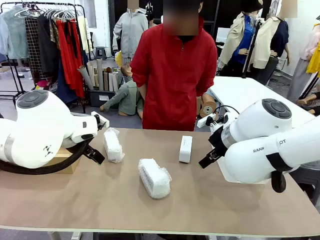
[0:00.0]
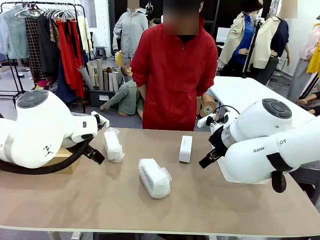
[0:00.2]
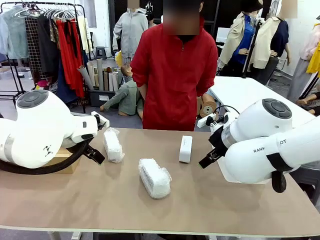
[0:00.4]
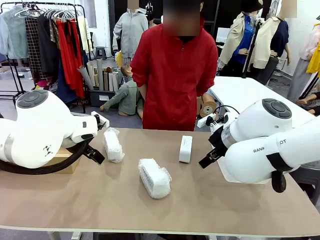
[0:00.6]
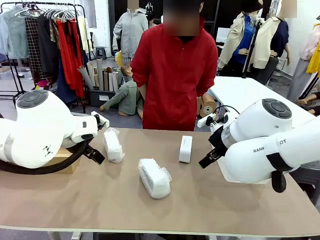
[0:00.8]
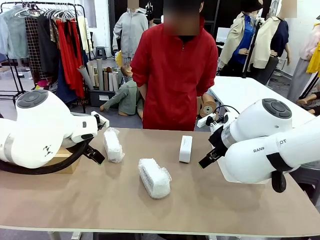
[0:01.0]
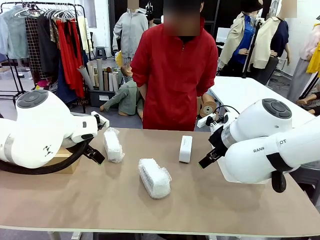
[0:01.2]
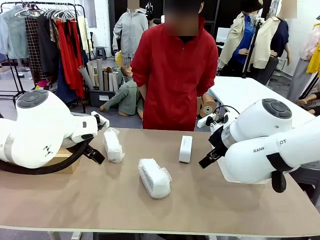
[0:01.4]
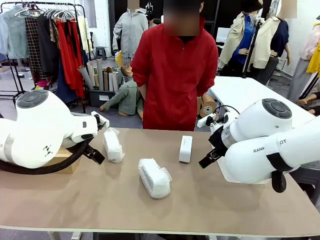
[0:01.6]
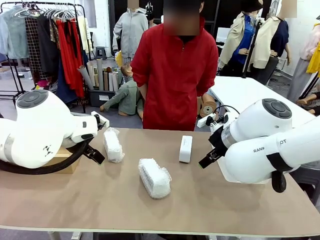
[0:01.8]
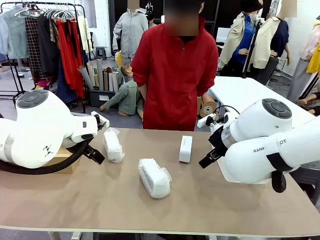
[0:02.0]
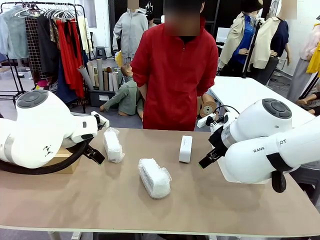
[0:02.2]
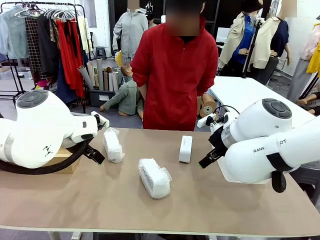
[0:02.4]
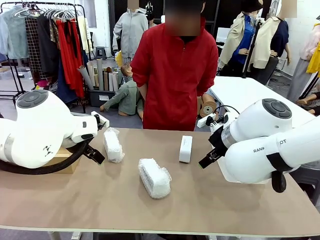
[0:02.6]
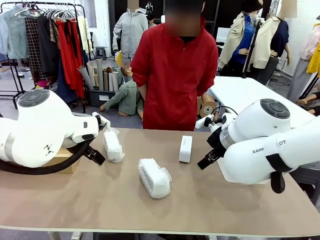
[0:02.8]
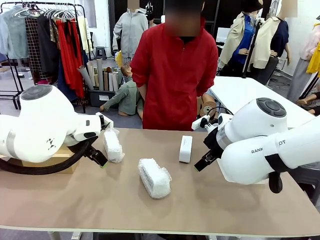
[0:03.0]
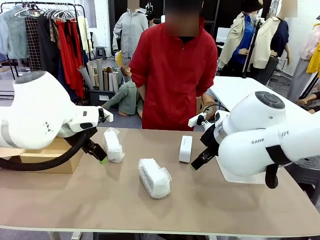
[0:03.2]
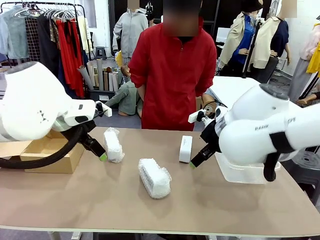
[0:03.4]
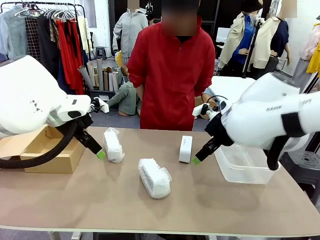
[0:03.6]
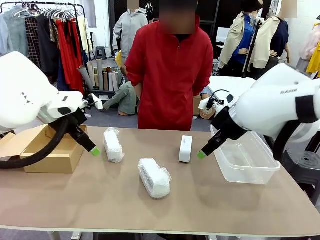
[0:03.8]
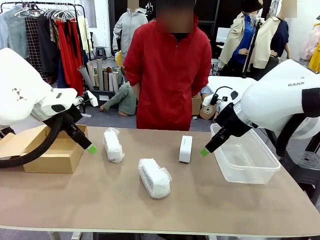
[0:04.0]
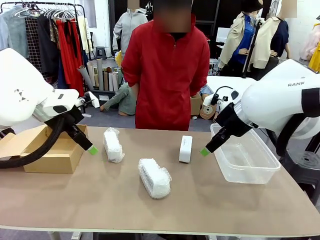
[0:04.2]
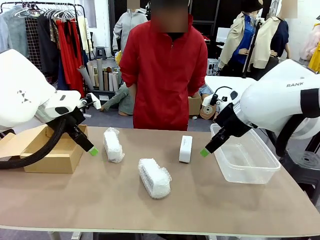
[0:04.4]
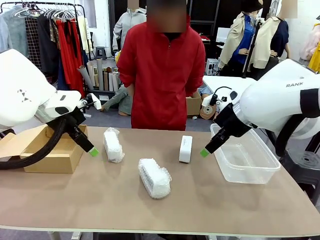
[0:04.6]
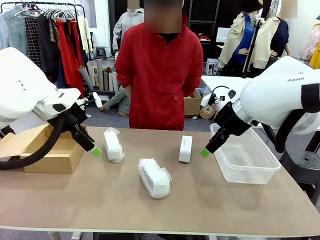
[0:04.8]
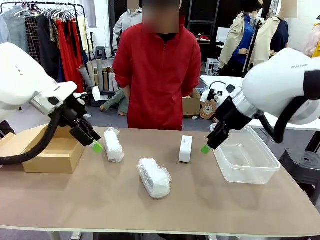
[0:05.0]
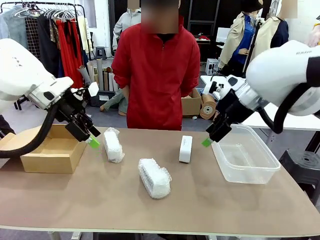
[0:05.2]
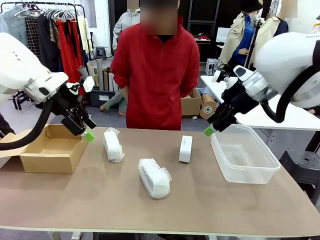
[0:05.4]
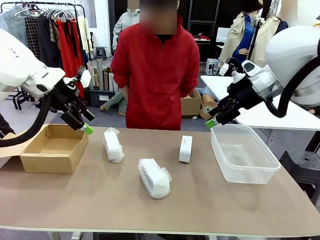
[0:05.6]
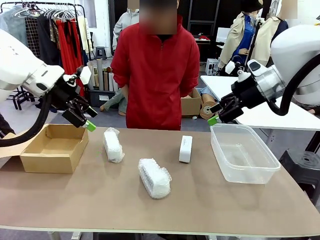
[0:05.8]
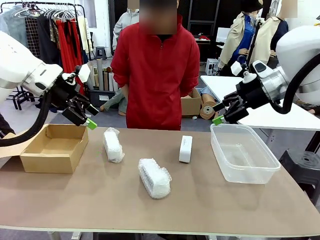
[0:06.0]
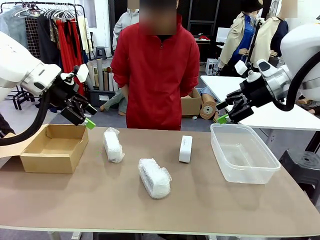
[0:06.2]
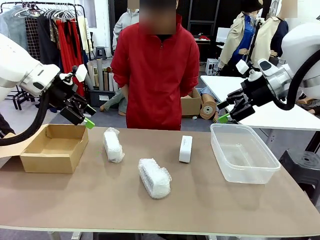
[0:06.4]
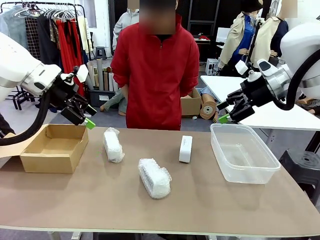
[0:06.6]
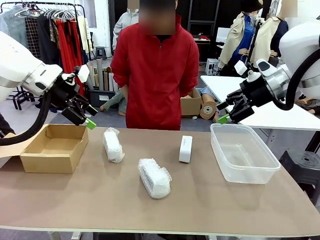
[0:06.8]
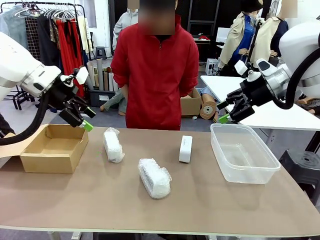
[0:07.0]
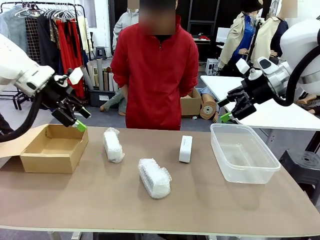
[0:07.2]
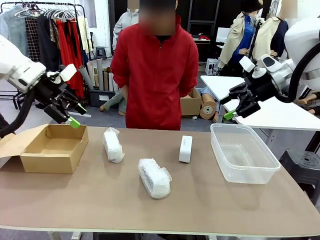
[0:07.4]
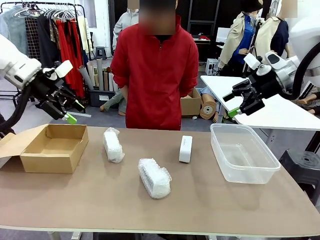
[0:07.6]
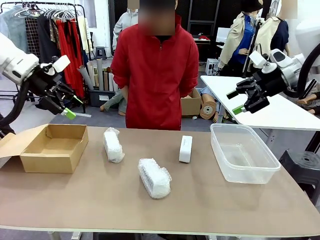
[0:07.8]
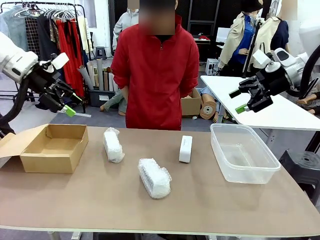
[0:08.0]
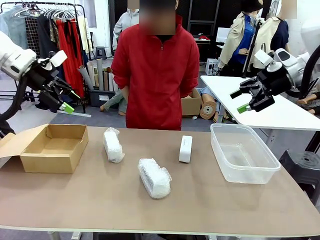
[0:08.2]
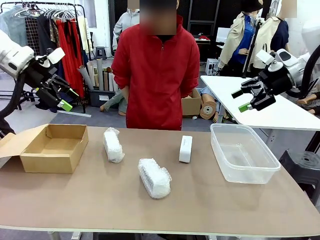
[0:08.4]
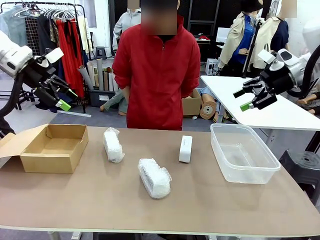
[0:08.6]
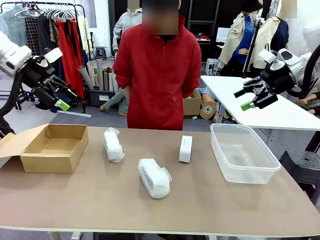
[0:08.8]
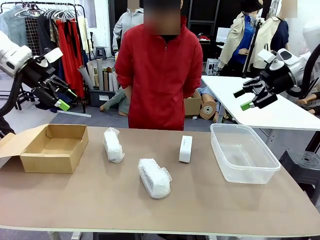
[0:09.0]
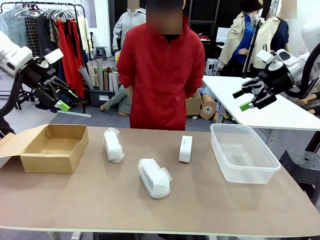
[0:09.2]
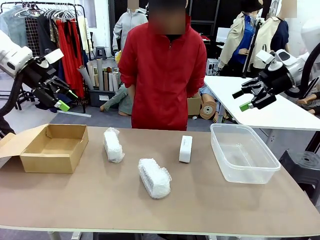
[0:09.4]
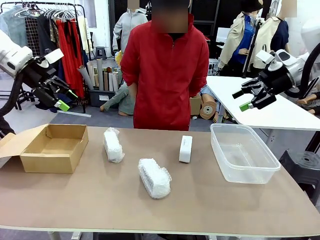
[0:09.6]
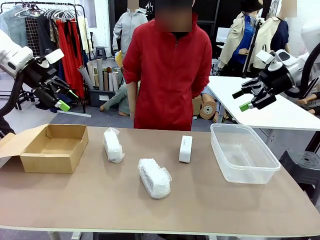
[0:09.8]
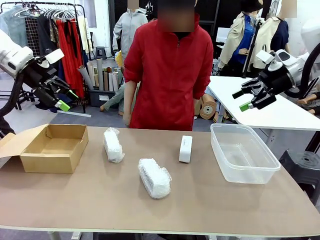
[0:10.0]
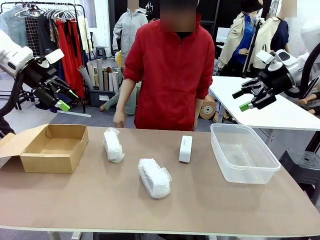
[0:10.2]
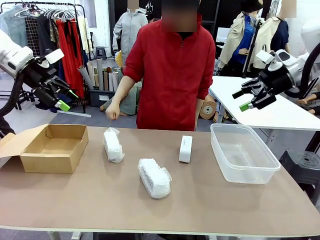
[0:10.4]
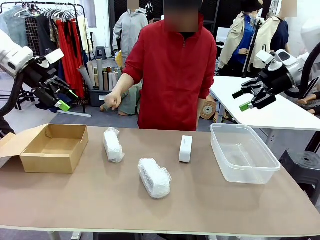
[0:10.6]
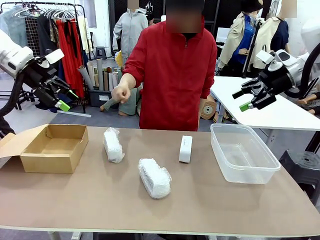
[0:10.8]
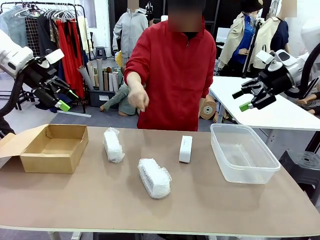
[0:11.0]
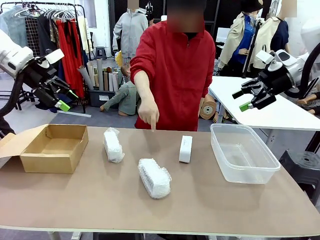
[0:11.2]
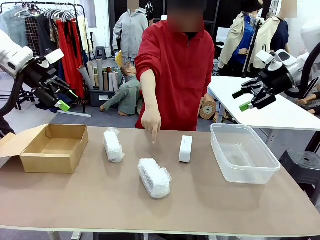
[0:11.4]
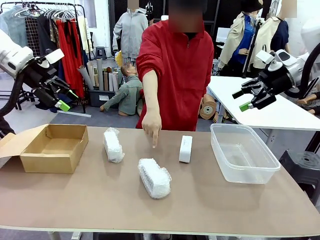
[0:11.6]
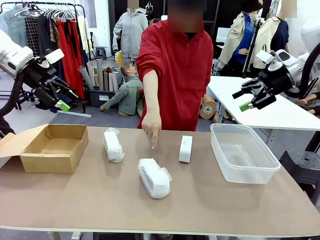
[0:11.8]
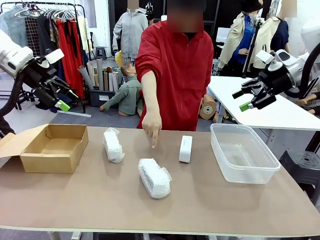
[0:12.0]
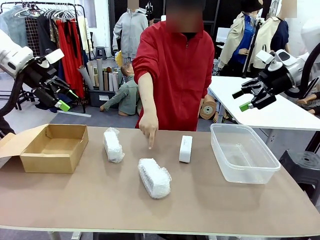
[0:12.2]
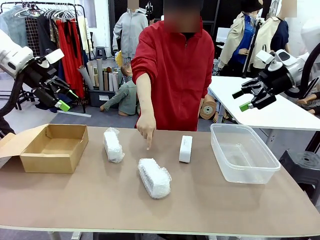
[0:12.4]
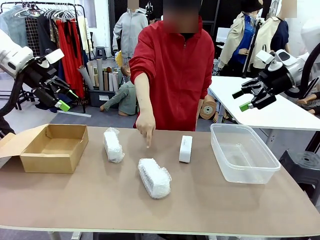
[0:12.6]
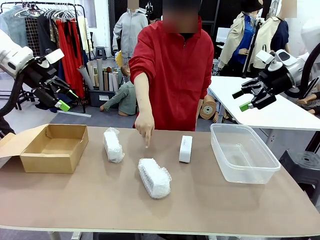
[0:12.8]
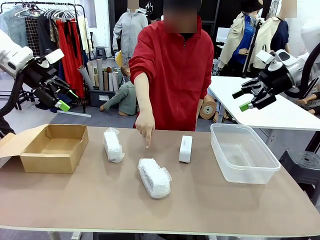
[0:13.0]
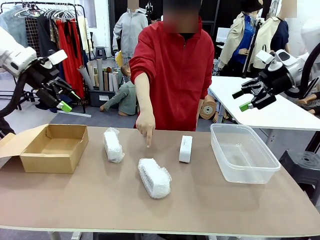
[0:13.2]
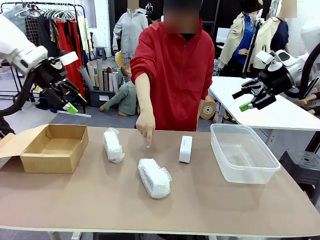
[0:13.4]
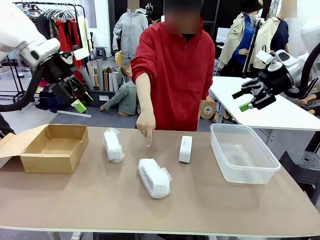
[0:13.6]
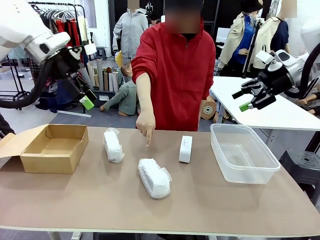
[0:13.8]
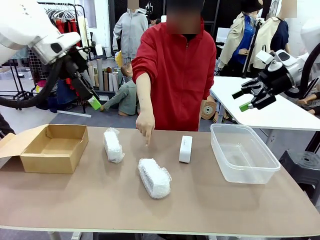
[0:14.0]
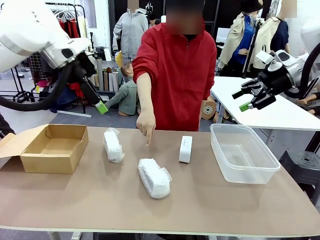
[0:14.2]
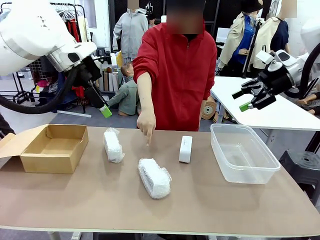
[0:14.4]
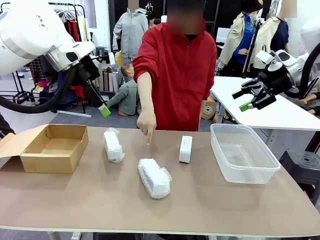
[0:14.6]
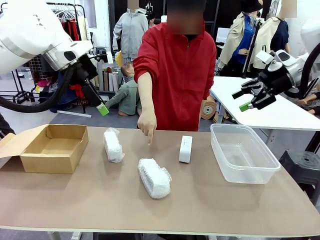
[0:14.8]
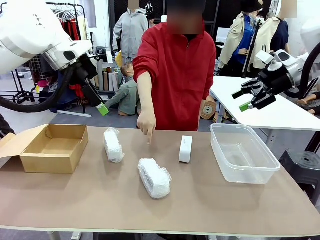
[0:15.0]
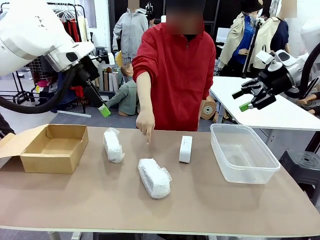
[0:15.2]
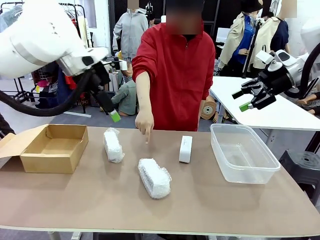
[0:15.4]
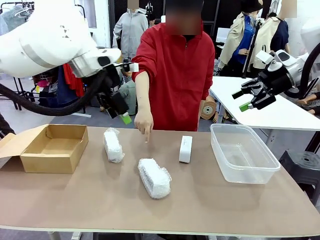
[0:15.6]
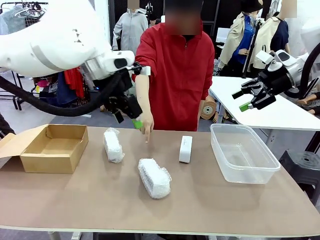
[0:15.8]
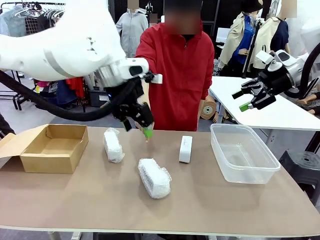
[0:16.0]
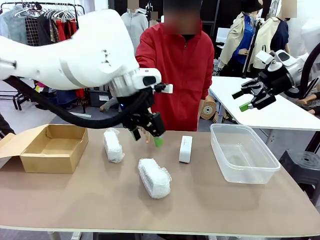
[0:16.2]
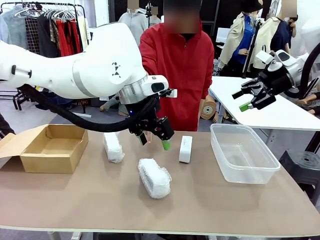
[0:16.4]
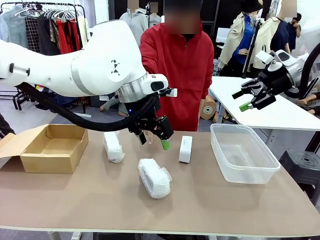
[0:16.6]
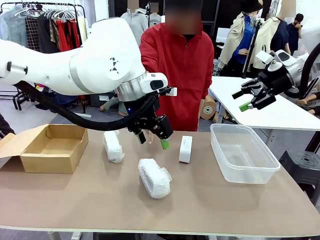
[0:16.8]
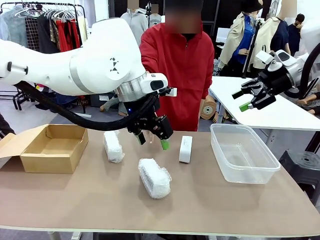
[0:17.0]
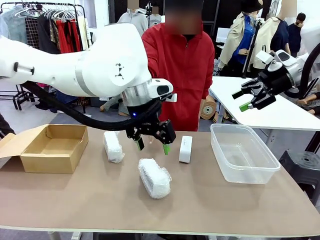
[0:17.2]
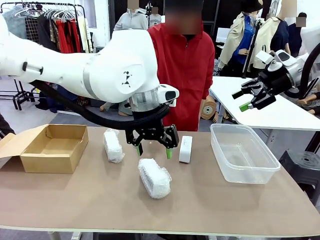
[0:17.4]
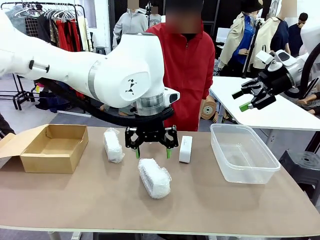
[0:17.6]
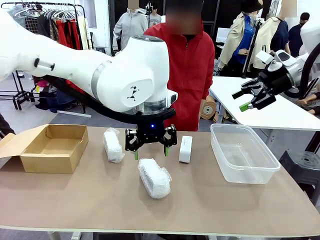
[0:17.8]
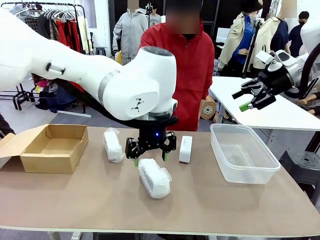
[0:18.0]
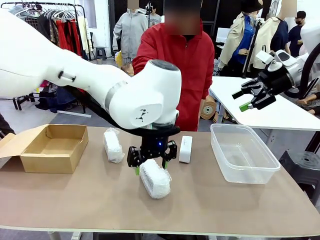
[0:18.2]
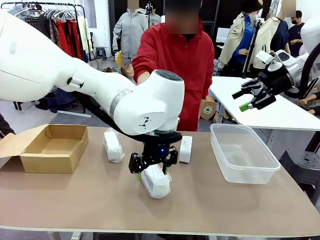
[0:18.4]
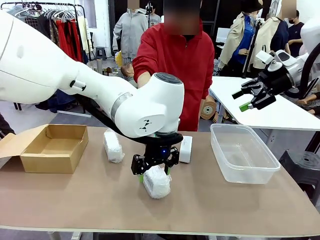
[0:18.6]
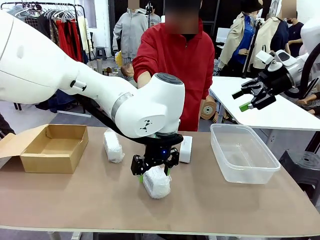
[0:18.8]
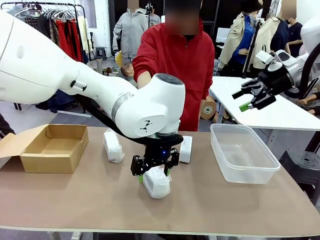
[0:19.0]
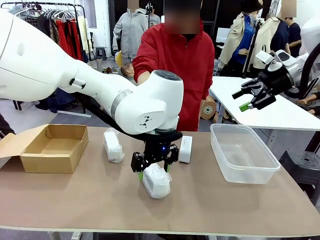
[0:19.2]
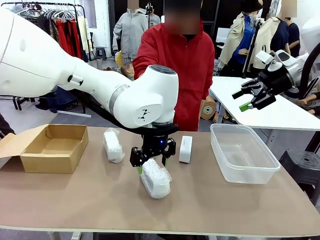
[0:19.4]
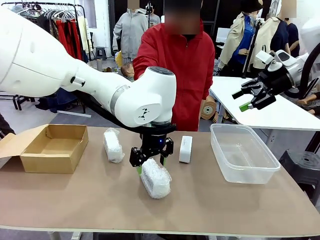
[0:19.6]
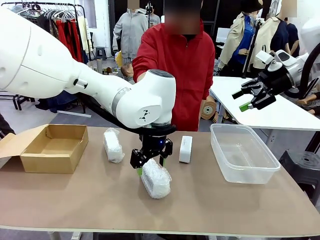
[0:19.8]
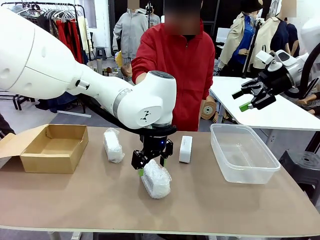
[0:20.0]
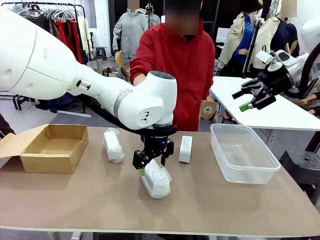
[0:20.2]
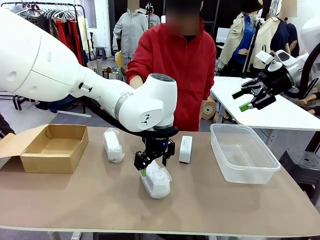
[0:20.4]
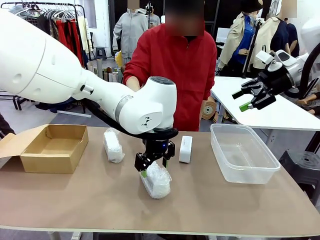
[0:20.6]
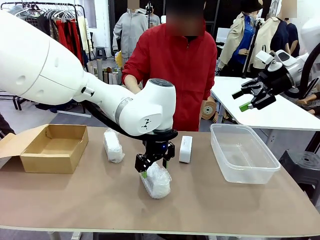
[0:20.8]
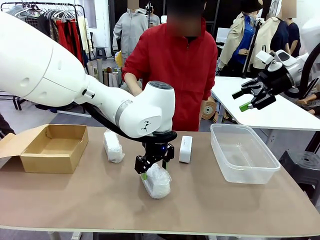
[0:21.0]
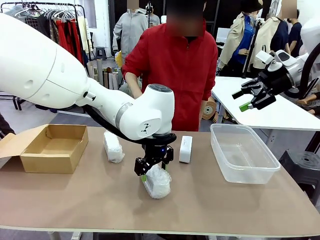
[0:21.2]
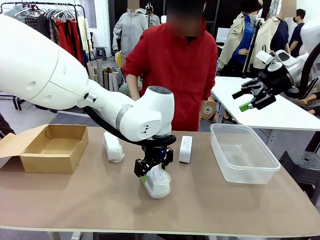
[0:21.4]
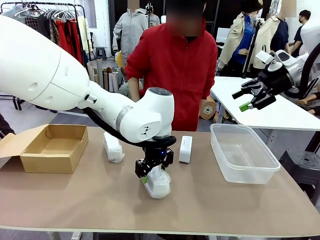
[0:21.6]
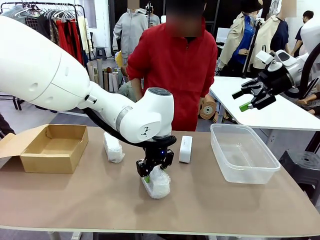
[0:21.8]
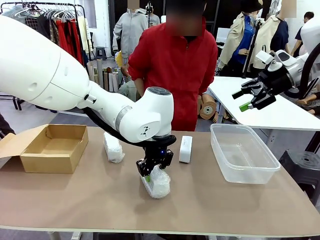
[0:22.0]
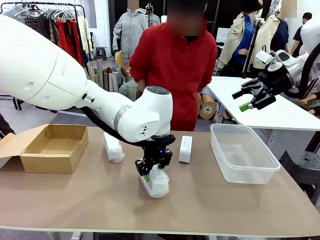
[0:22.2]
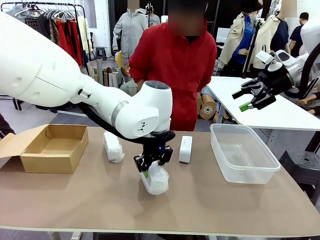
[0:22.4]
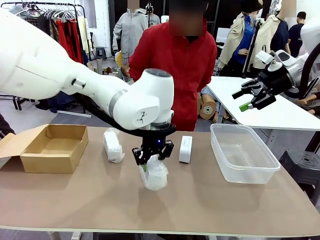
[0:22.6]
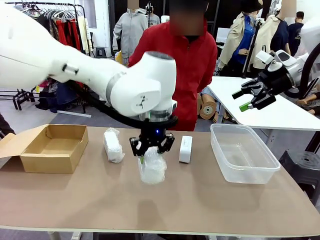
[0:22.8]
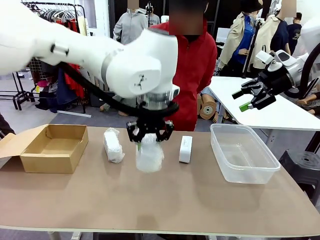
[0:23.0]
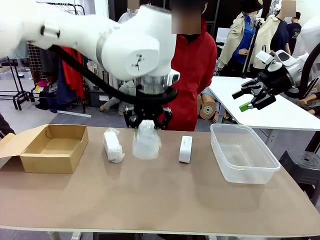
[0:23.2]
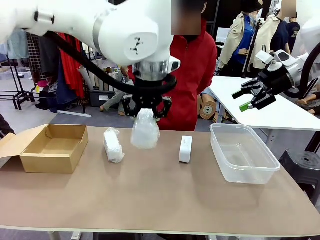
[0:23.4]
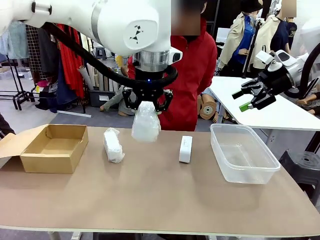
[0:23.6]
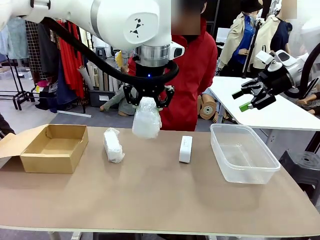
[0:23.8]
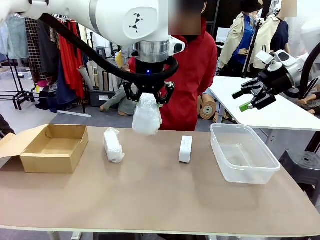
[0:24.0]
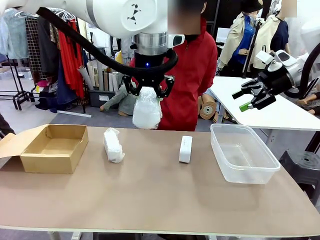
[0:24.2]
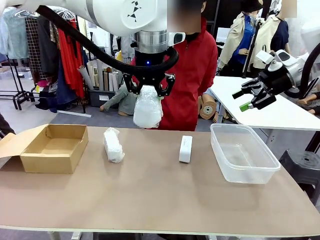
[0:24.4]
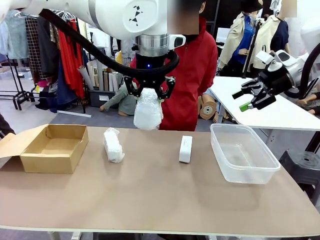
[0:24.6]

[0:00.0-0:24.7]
Task: Separate and place wrapped and unwrapped clocks.
Robot: Pick up the Digital clock indicated by the person.
